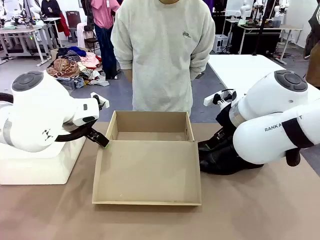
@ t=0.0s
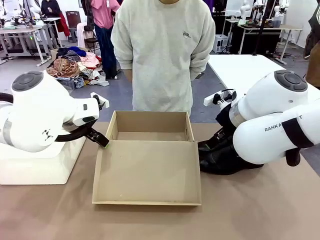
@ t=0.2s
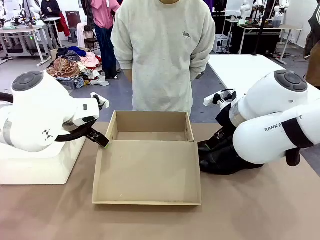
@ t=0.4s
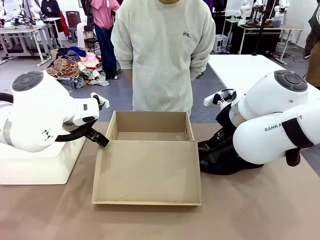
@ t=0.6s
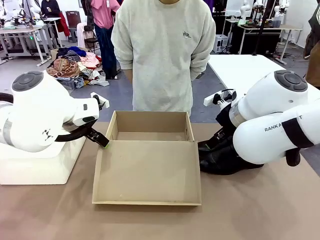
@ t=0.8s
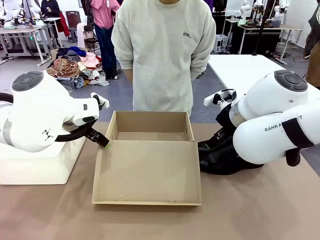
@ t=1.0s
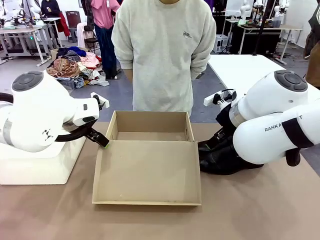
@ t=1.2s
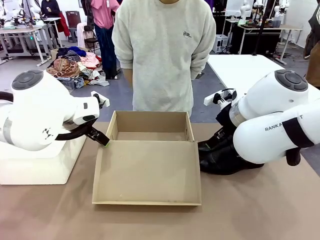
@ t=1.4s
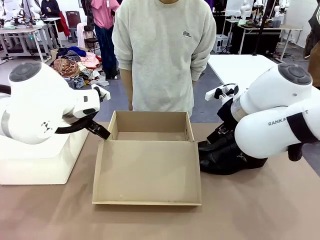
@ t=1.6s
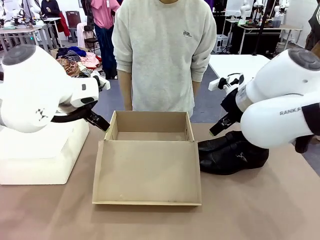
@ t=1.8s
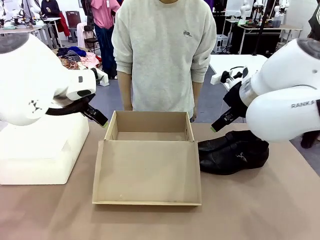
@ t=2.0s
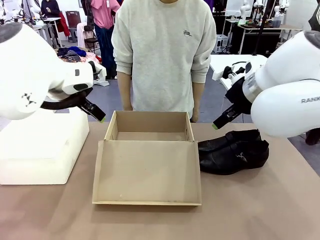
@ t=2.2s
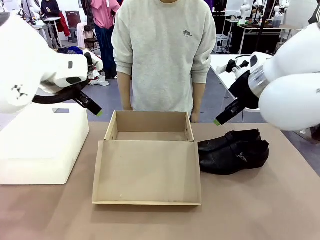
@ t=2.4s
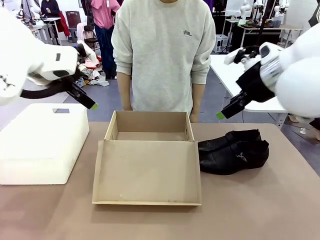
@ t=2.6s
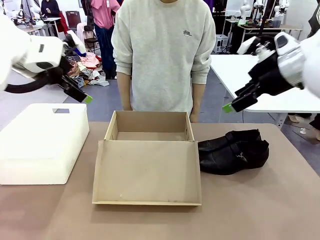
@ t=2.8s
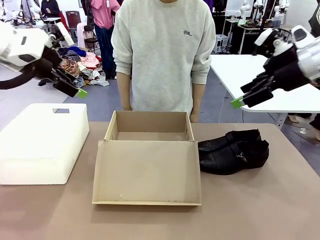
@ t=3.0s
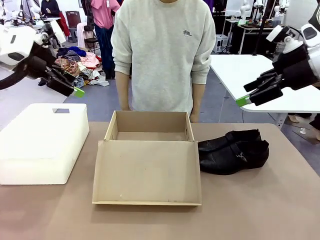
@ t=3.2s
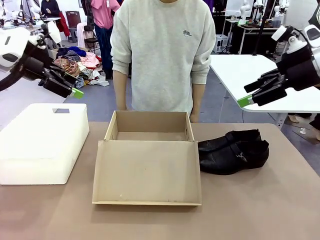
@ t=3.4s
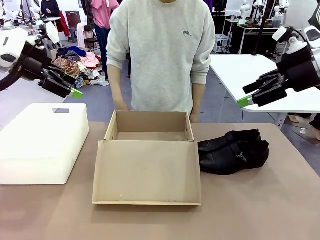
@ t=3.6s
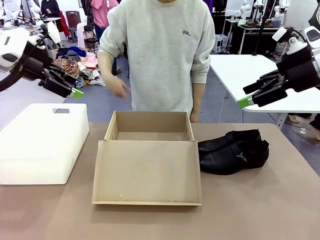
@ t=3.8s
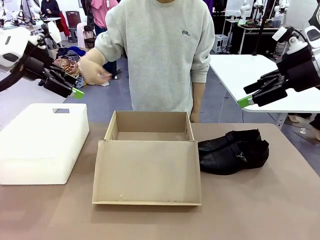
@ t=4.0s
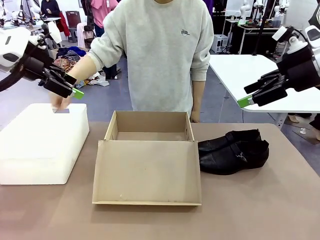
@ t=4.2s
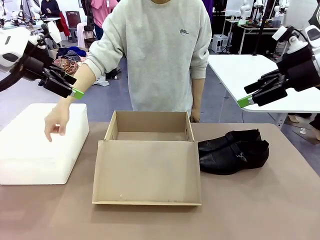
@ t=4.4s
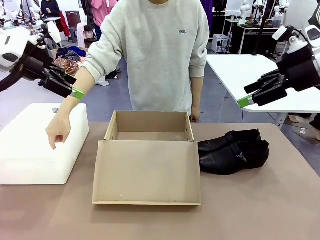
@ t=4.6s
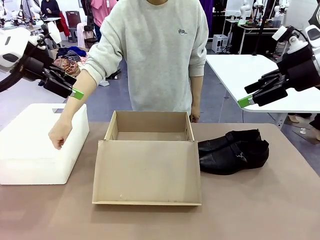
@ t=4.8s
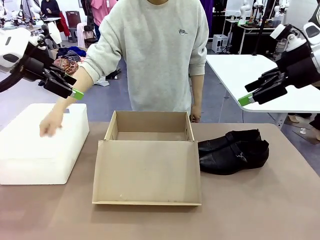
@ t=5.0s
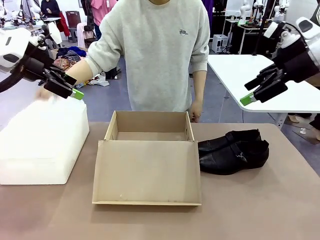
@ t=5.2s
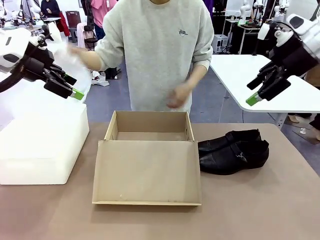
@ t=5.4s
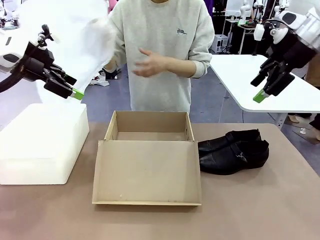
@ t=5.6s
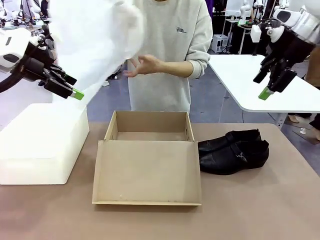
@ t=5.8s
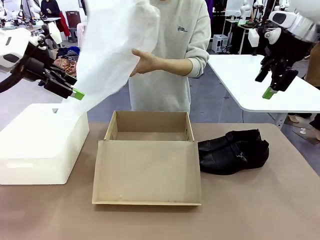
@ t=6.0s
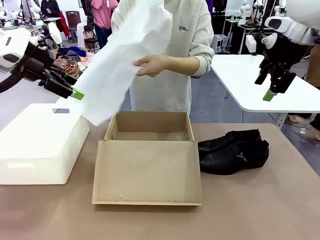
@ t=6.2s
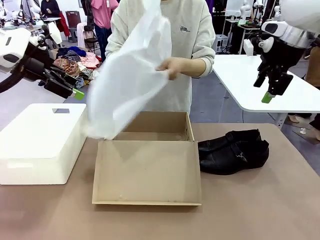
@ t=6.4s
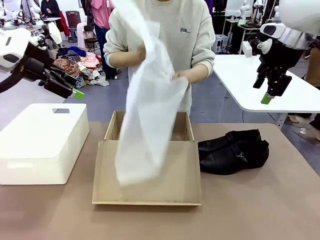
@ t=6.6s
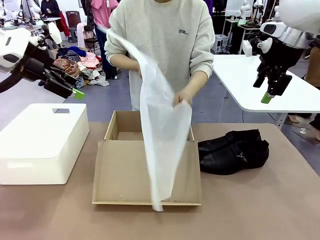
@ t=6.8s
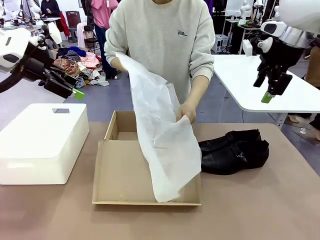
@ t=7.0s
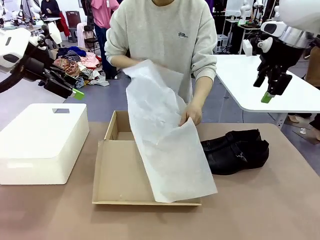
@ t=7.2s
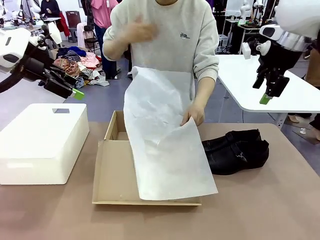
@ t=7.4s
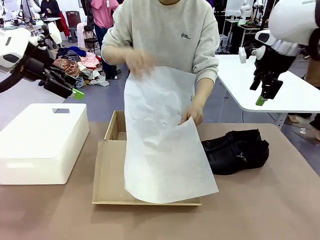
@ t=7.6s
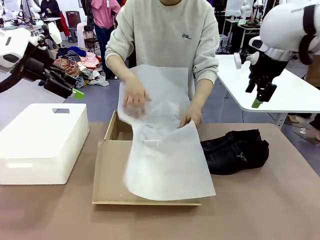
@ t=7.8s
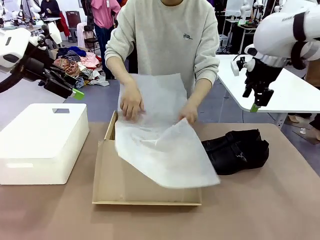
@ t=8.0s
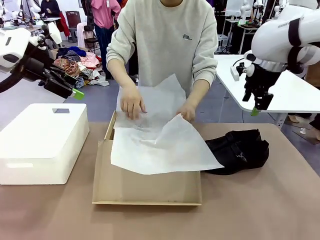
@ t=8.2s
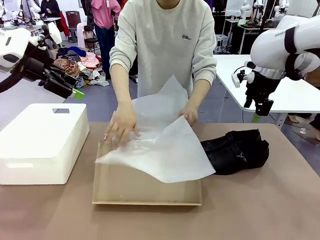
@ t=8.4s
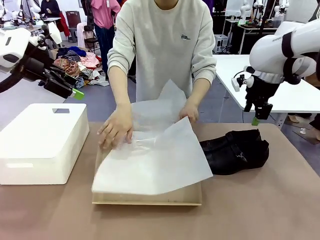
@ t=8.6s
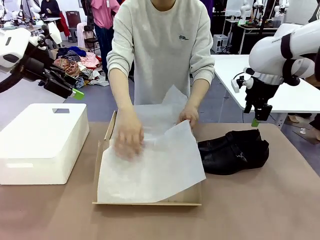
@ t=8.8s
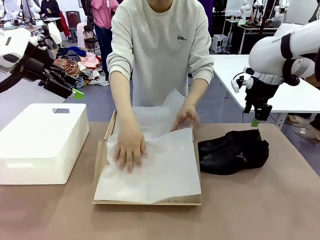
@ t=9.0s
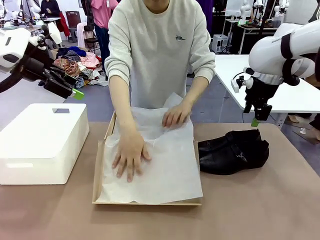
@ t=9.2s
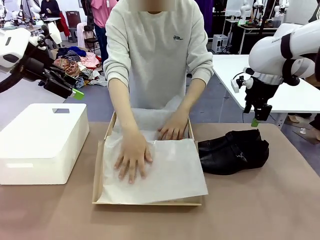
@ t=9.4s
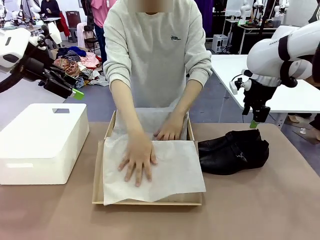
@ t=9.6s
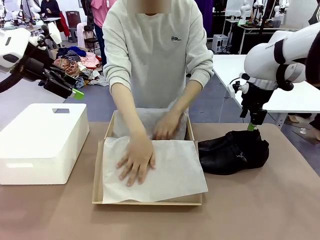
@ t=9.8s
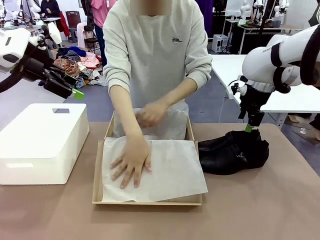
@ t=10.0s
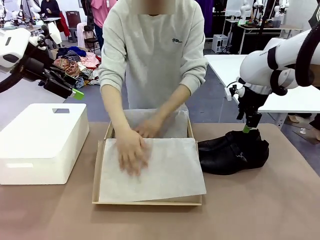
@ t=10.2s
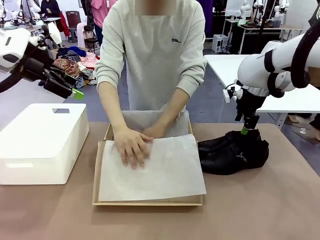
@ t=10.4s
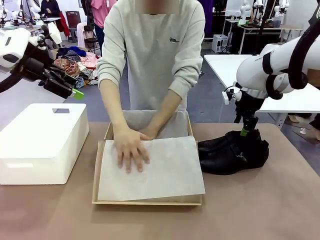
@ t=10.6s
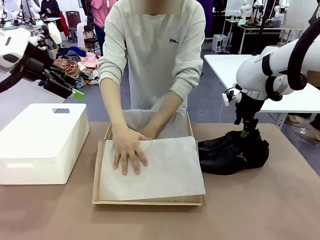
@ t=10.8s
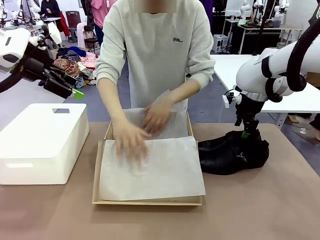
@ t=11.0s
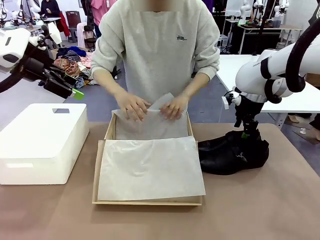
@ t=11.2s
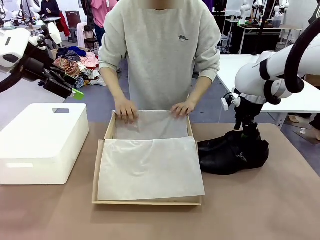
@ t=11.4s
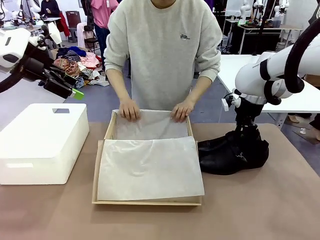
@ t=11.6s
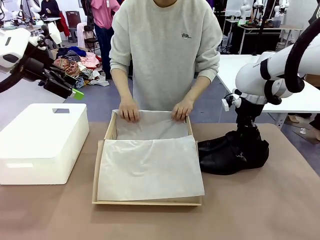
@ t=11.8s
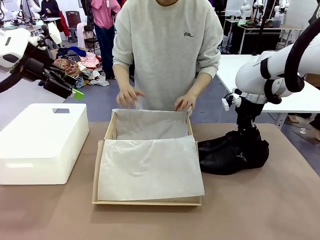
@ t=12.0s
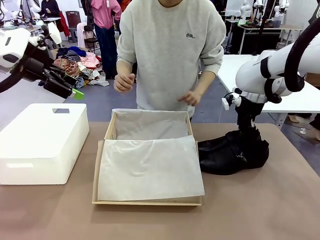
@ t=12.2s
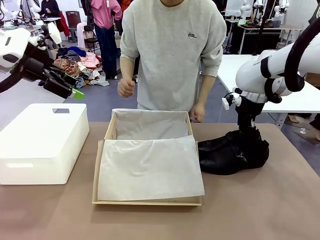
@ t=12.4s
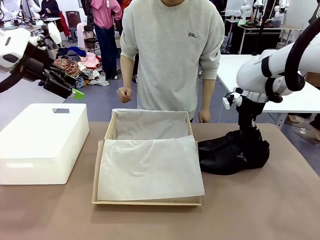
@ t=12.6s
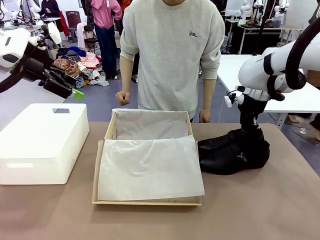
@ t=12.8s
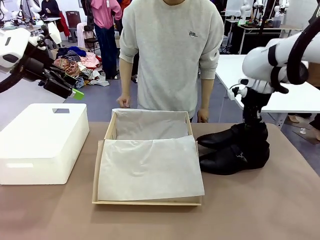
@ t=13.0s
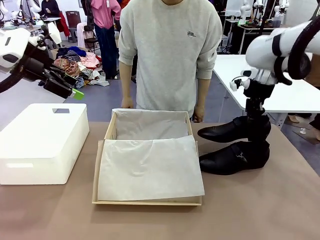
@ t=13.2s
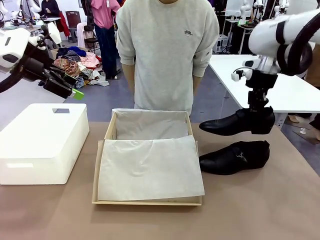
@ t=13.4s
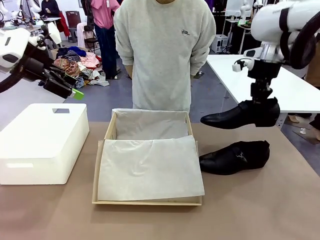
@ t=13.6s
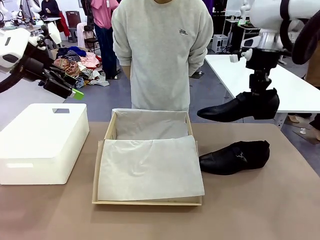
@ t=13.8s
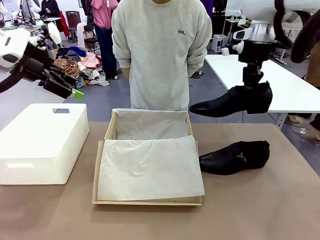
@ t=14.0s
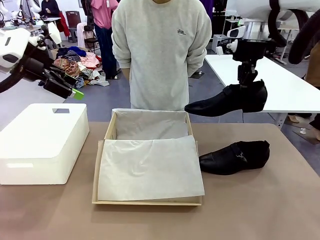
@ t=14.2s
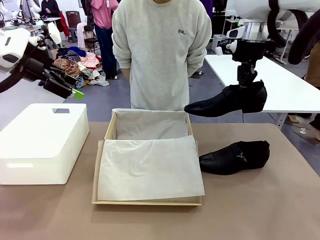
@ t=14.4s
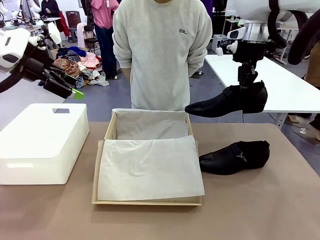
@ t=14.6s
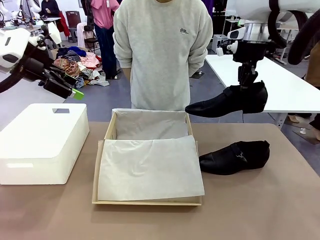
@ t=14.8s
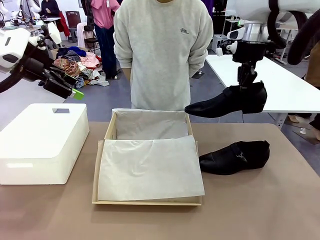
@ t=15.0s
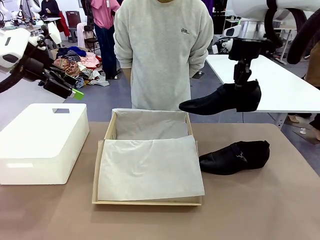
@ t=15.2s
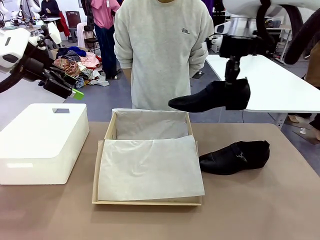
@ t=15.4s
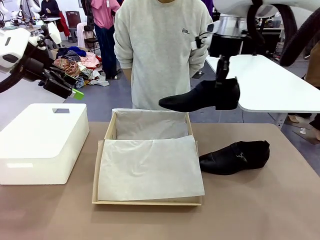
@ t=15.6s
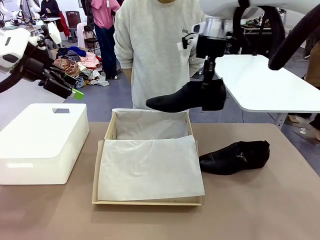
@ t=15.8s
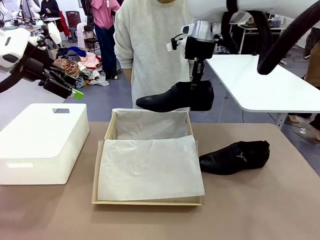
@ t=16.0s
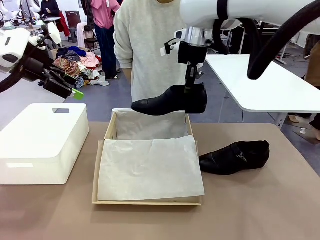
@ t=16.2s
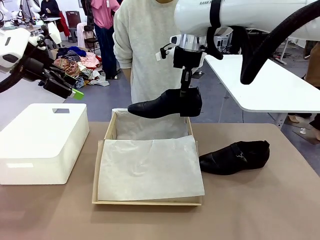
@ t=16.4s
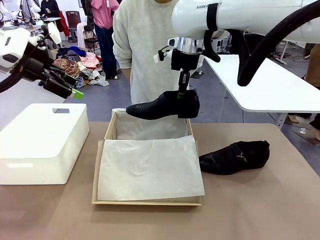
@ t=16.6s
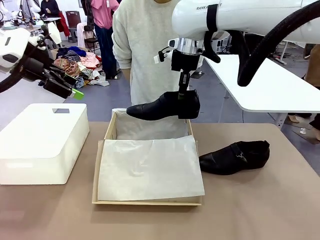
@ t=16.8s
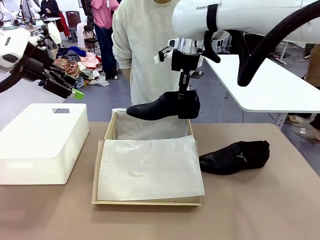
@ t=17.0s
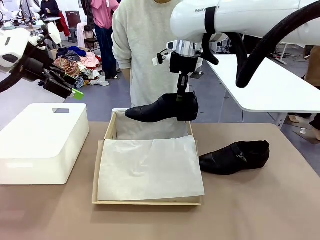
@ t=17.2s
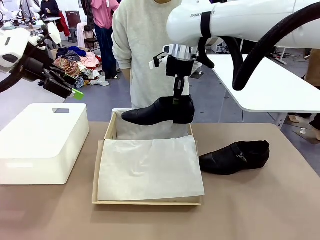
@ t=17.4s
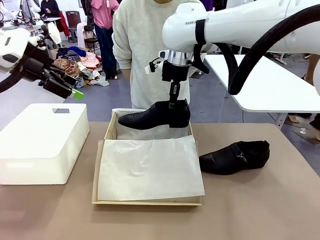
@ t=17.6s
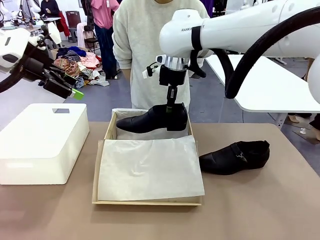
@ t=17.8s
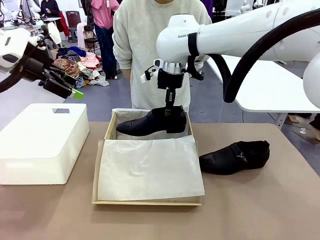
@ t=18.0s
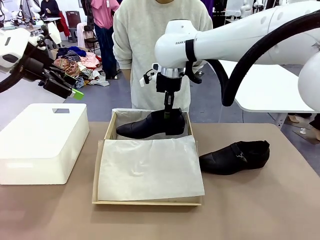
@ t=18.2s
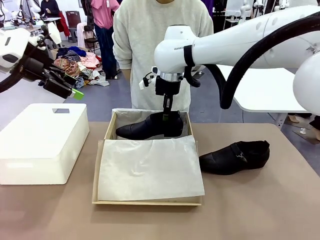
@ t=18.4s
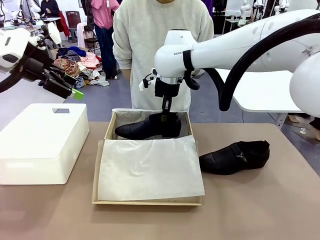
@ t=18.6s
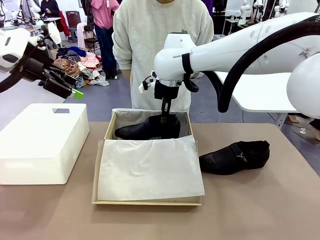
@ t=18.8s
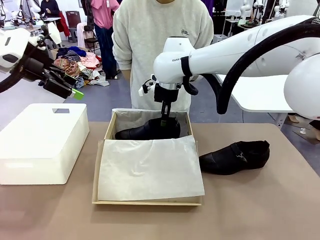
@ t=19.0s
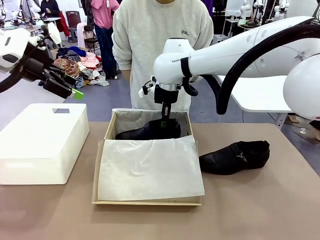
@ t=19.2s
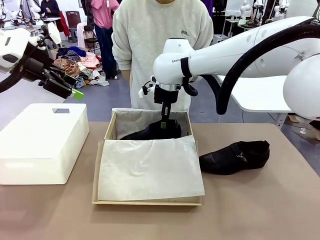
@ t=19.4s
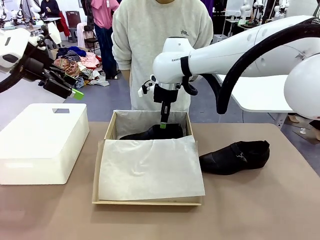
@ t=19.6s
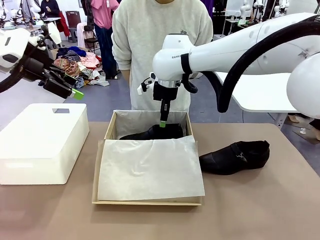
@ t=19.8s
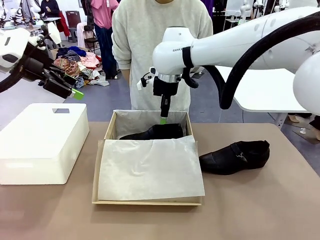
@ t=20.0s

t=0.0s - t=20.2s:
Task: Pack the shoes into the box.
Robot: Place one shoe of the Shoes into the Shoes Box.
Person: Spread Shoes Wrapping Paper and place inside the Shoes Box.
